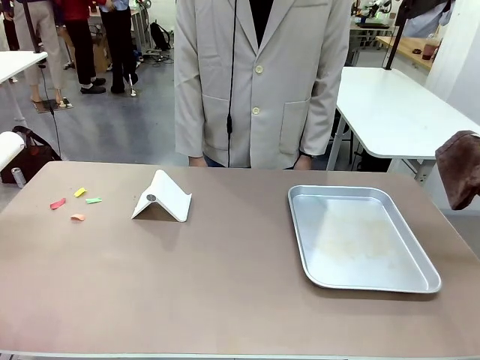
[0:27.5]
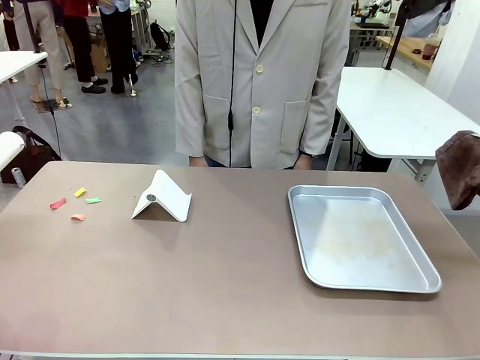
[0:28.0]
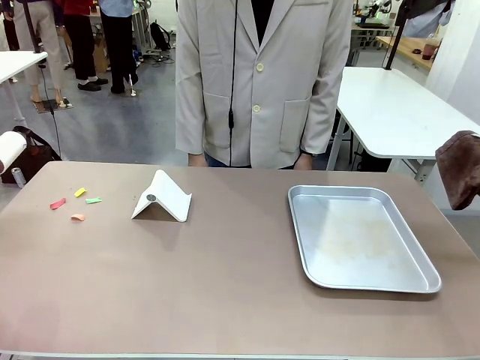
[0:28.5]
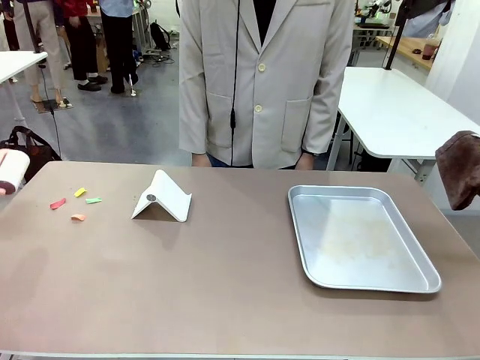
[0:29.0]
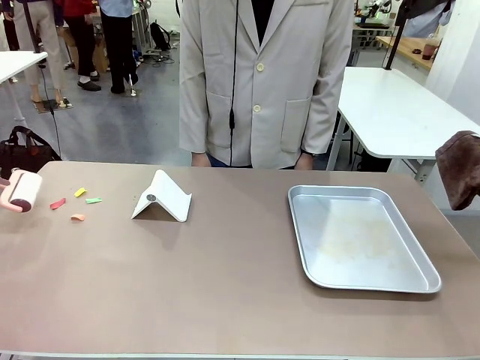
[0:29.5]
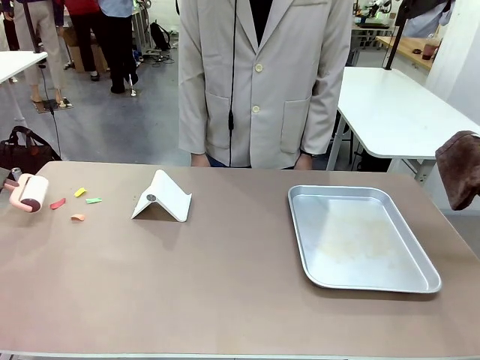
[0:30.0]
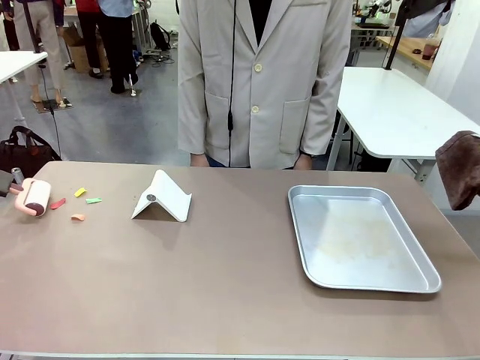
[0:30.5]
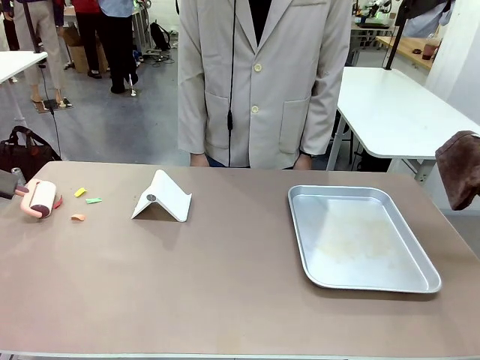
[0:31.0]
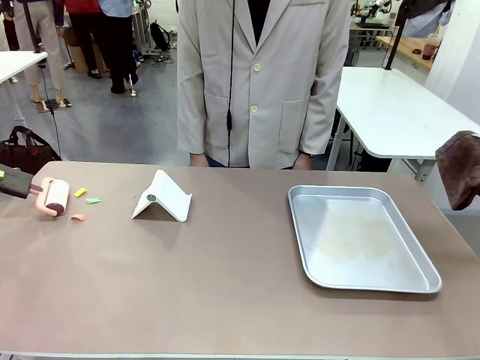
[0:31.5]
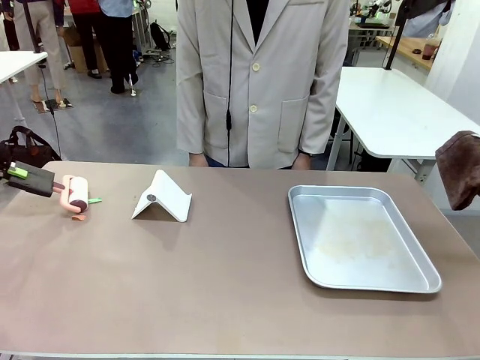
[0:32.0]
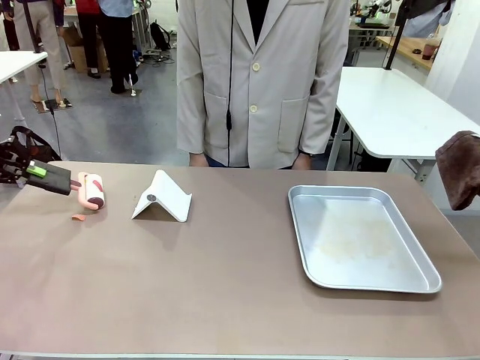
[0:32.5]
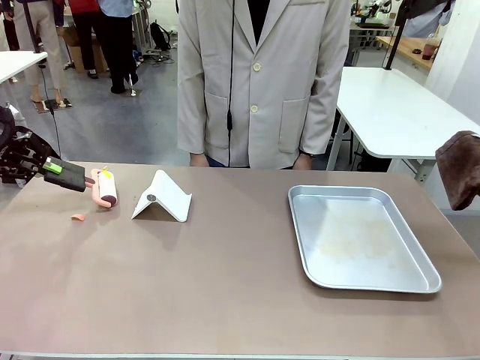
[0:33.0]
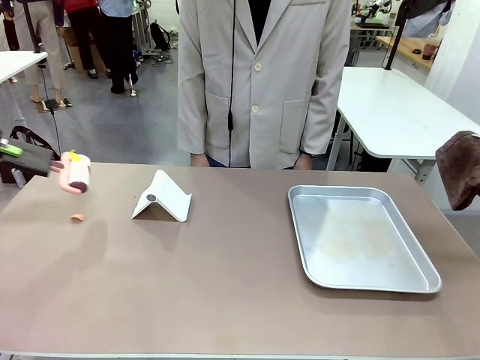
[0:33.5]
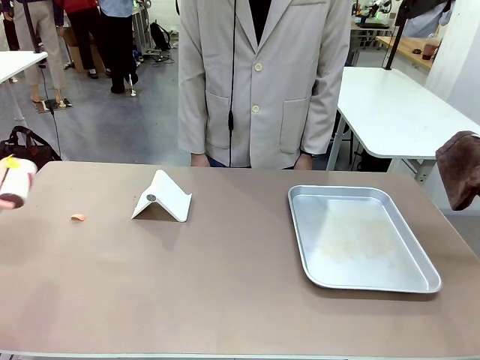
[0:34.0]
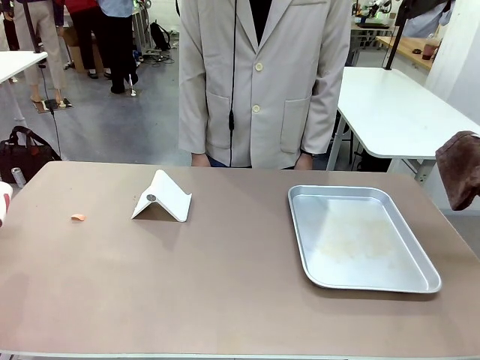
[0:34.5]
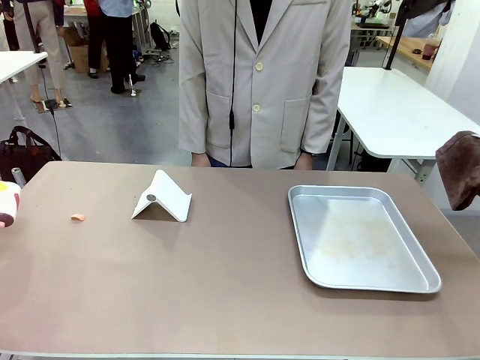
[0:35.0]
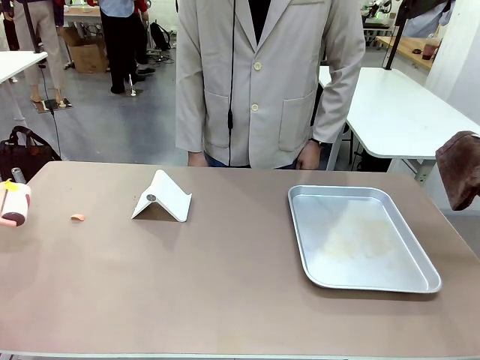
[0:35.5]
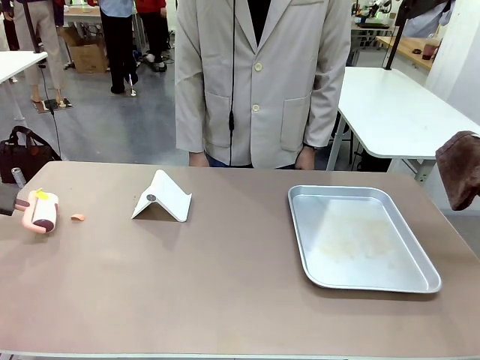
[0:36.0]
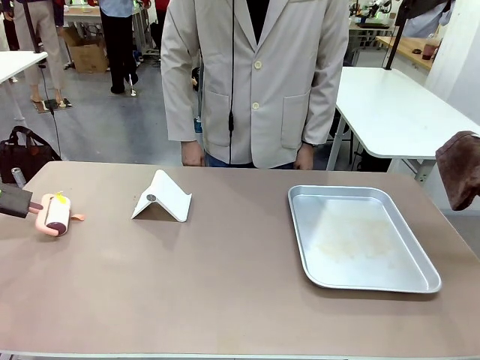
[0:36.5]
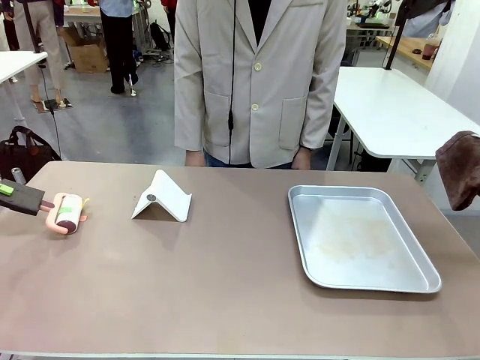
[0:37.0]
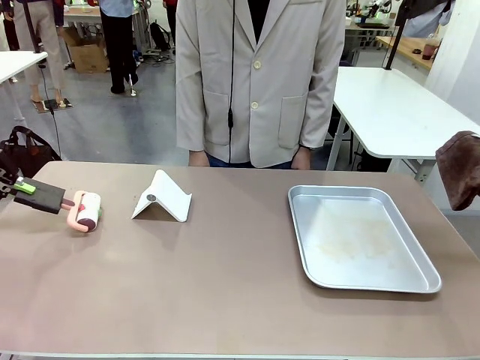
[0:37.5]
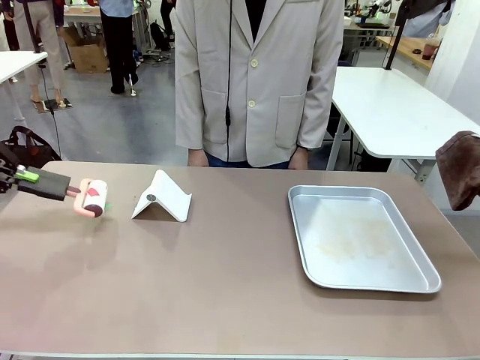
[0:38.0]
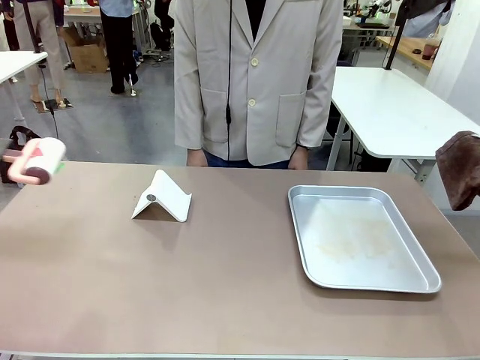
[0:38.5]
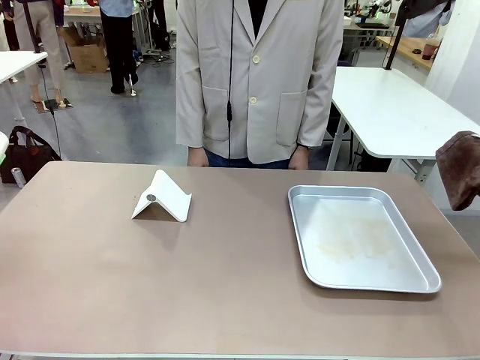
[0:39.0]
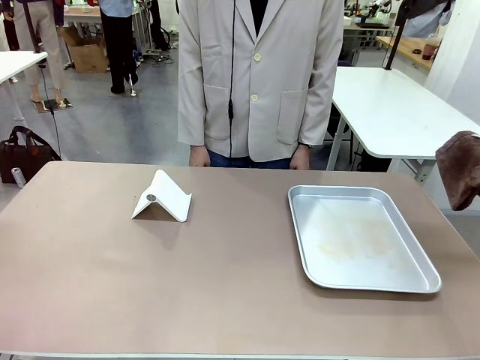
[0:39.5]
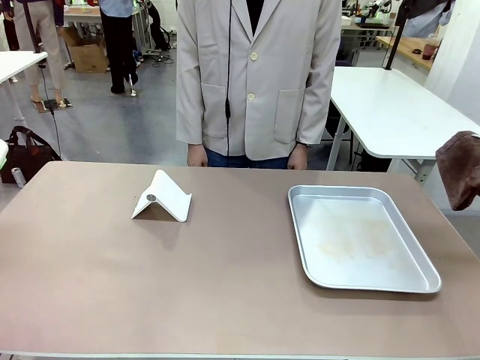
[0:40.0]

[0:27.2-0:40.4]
Task: Clean the surface of the table.
Robot: Clean the area not pointed to by the person.

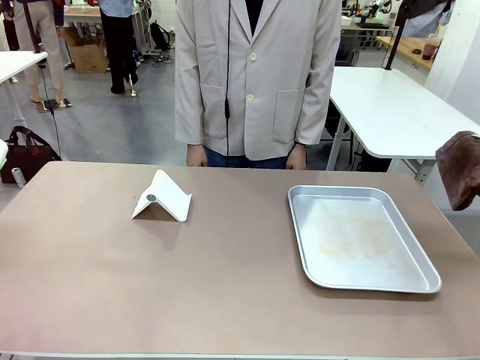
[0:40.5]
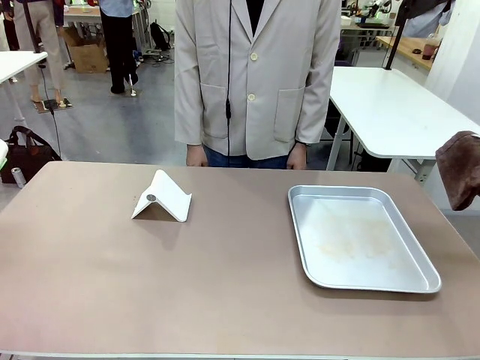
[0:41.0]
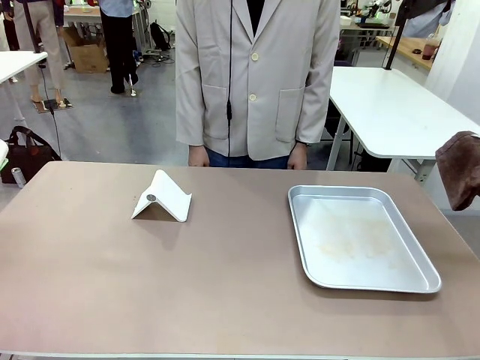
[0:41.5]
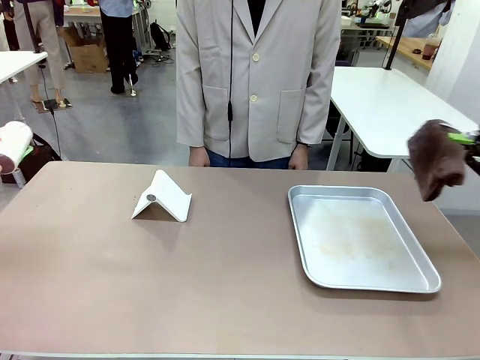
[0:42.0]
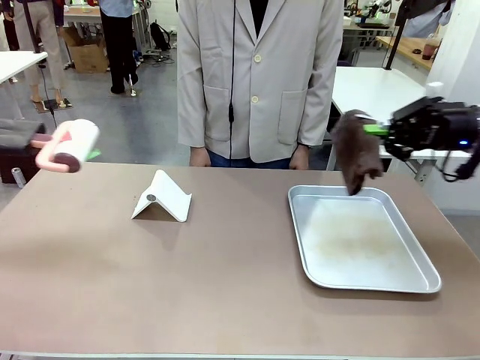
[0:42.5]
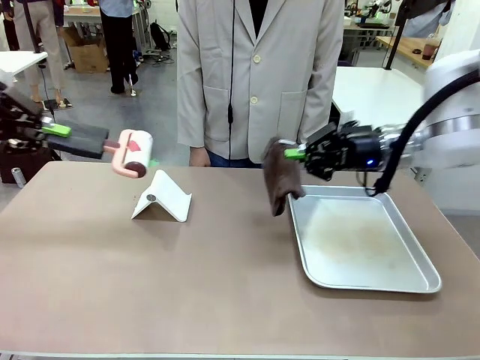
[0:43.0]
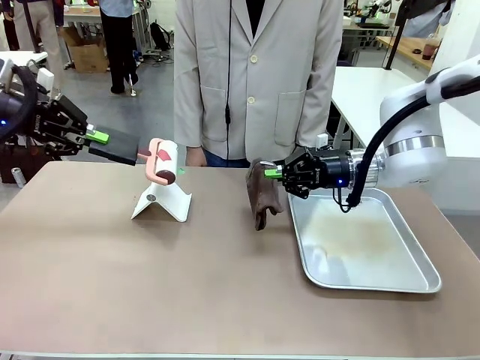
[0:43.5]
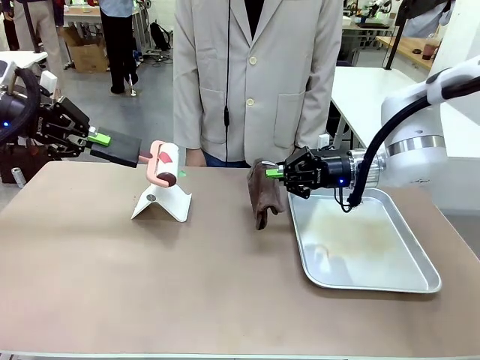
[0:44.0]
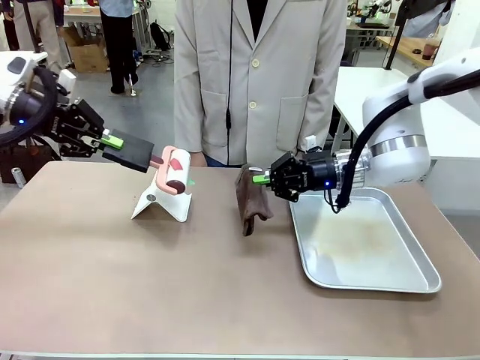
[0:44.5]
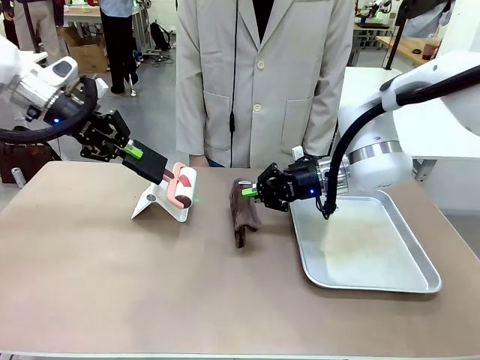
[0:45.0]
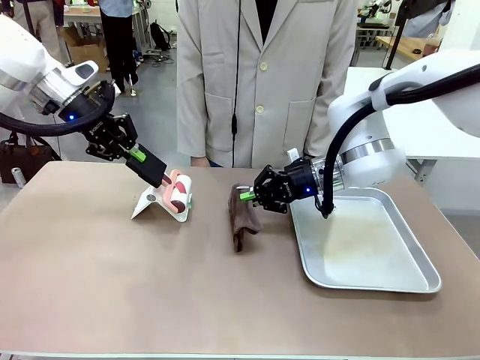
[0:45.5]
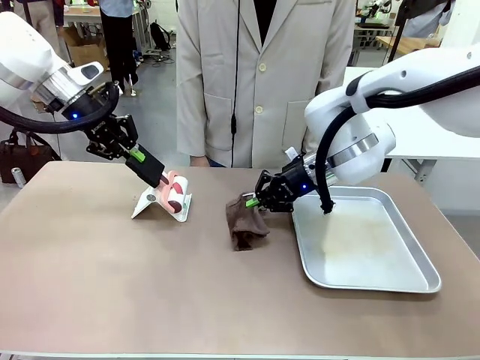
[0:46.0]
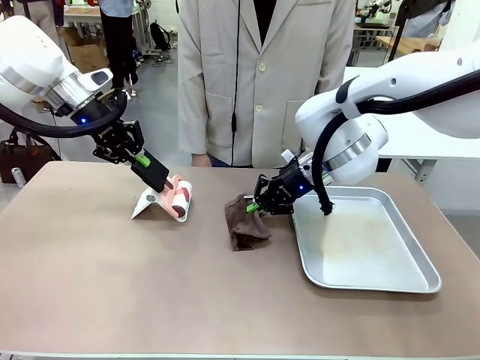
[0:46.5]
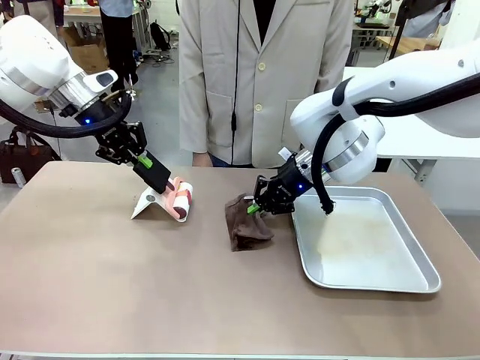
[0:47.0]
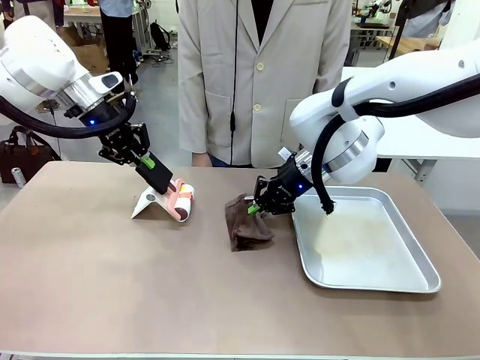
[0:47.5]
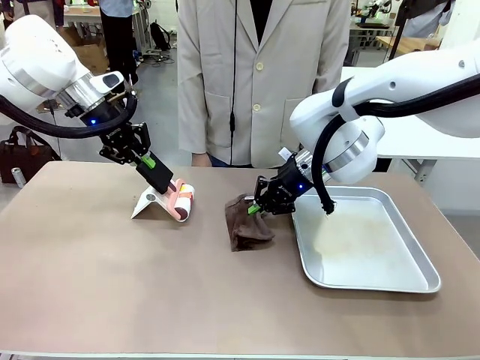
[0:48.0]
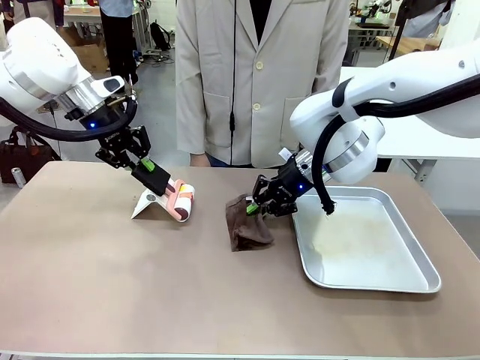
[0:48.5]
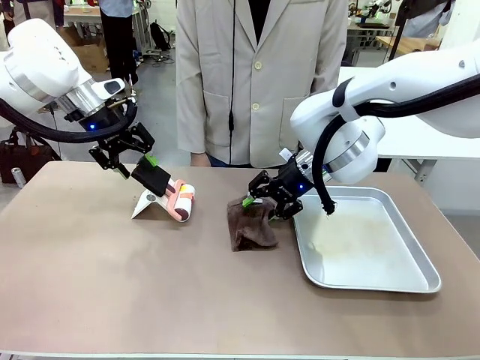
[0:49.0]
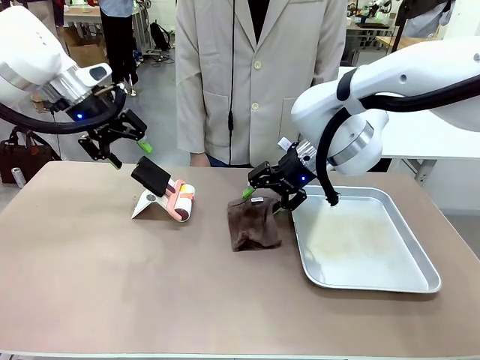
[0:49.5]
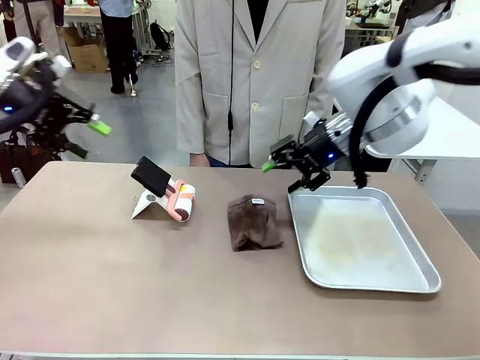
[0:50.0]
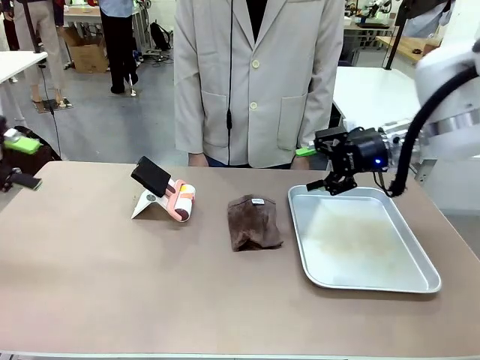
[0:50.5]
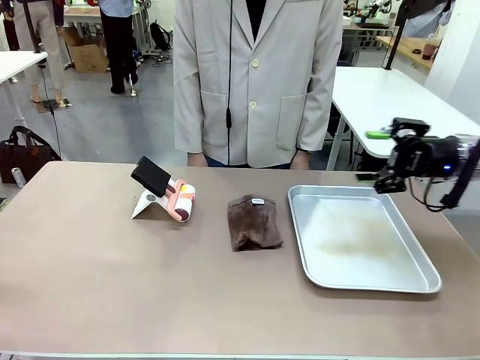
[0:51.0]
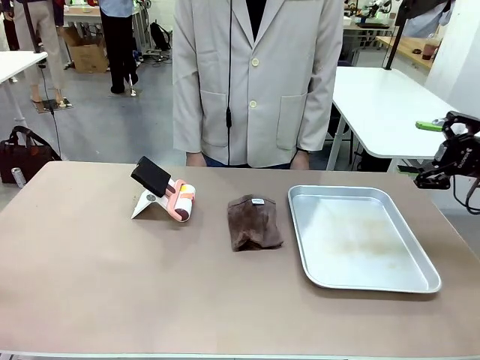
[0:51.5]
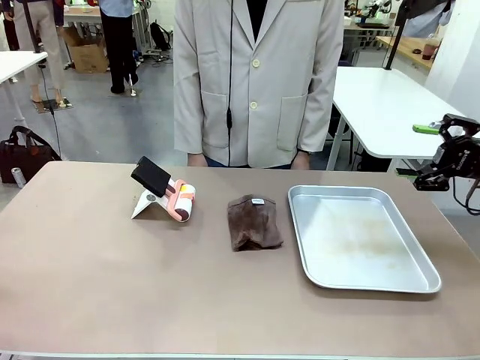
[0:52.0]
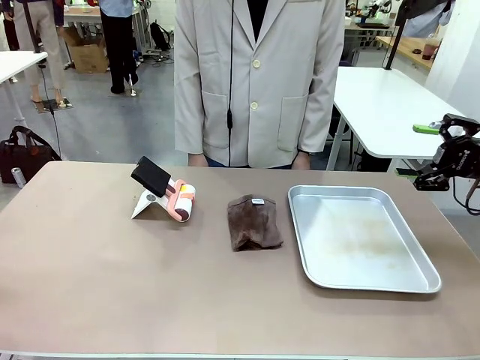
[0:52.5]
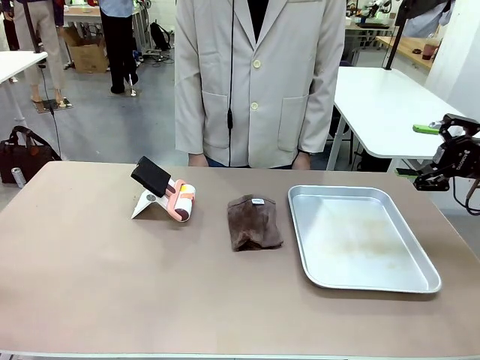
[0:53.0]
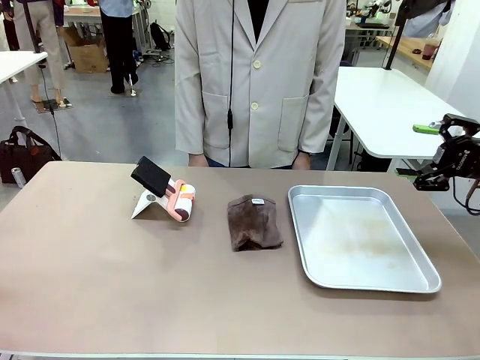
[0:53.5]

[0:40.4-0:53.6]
Robot: Return the Lint Roller and towel to their original positions.
